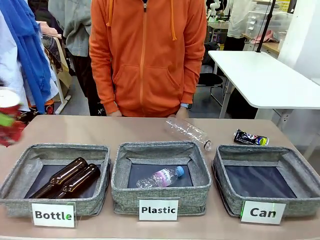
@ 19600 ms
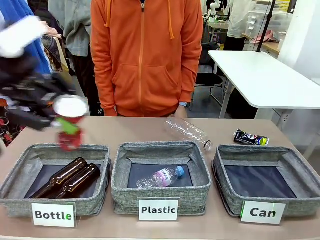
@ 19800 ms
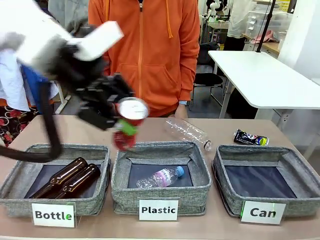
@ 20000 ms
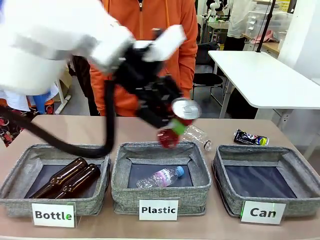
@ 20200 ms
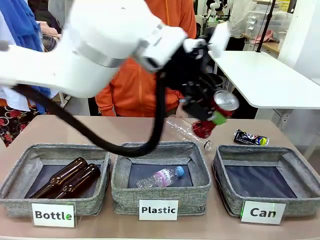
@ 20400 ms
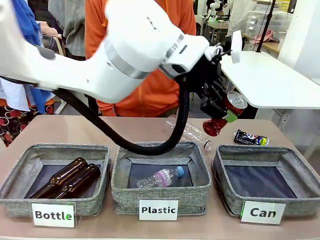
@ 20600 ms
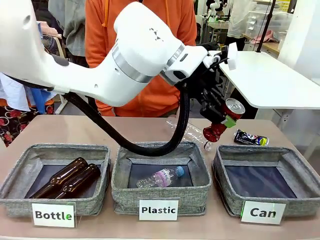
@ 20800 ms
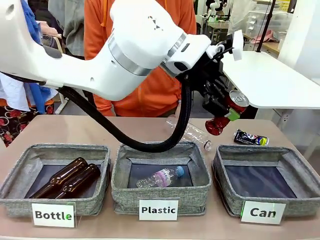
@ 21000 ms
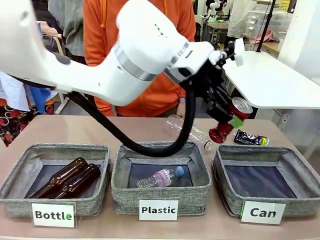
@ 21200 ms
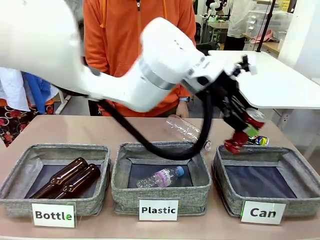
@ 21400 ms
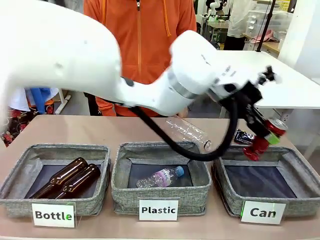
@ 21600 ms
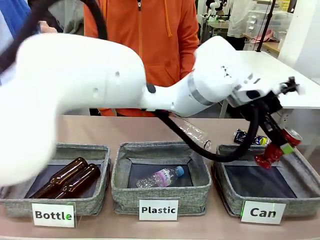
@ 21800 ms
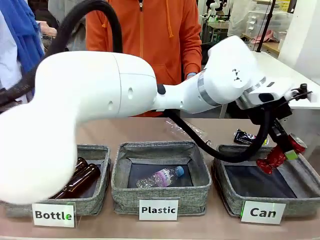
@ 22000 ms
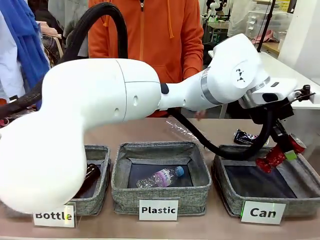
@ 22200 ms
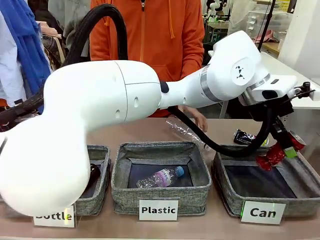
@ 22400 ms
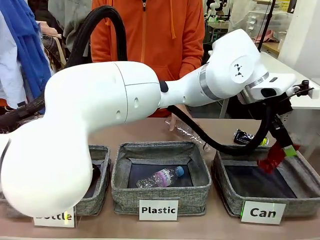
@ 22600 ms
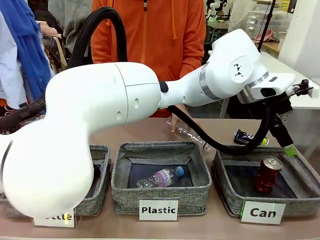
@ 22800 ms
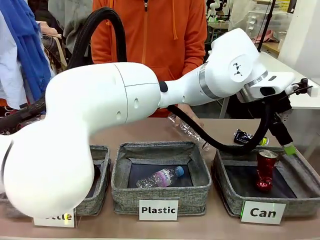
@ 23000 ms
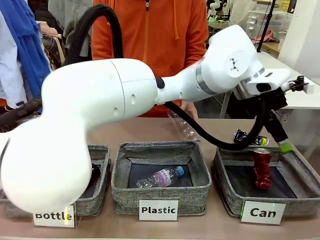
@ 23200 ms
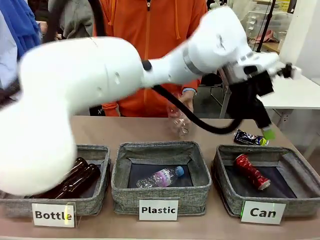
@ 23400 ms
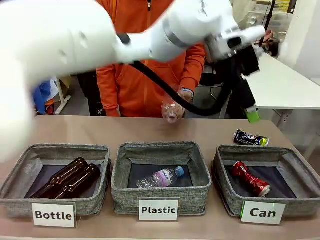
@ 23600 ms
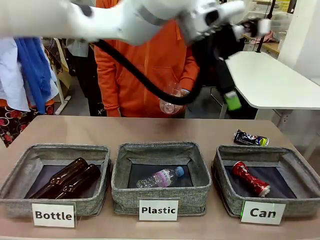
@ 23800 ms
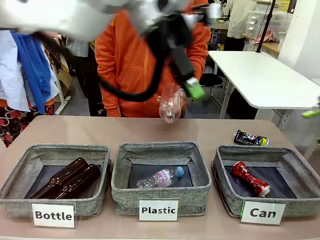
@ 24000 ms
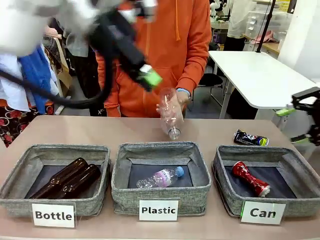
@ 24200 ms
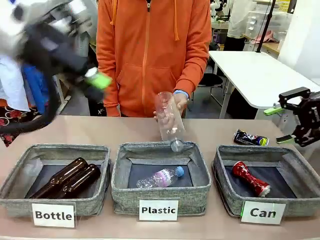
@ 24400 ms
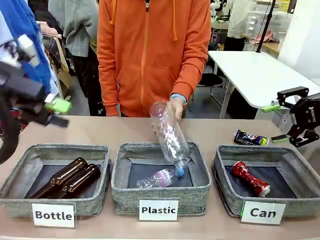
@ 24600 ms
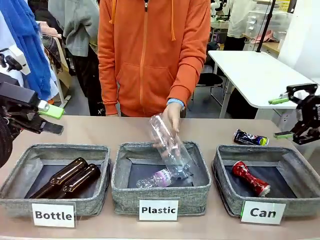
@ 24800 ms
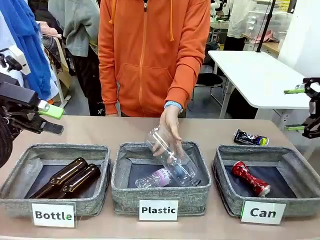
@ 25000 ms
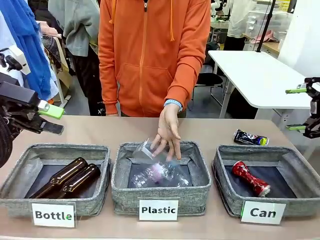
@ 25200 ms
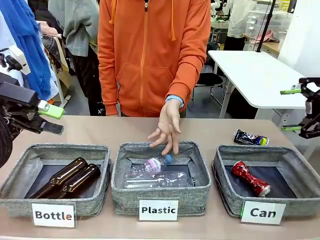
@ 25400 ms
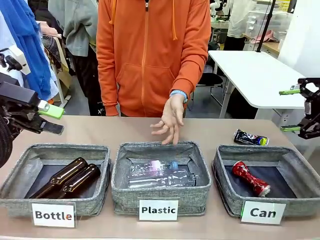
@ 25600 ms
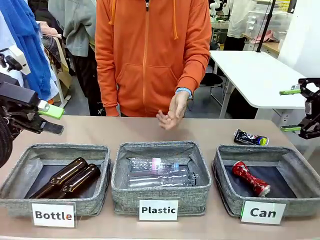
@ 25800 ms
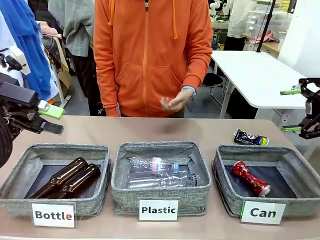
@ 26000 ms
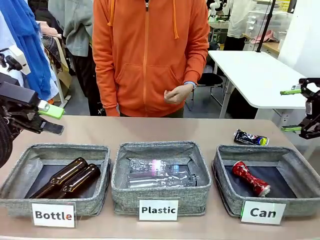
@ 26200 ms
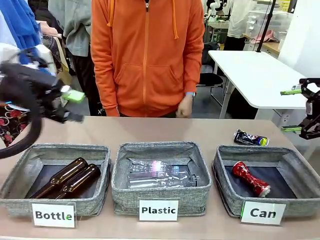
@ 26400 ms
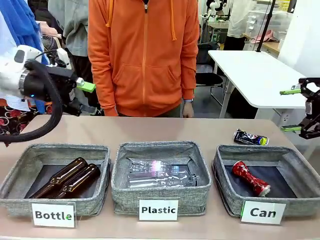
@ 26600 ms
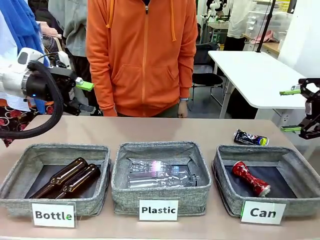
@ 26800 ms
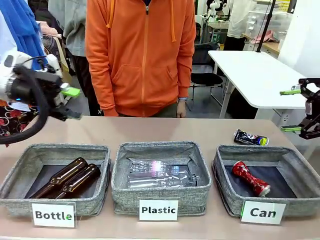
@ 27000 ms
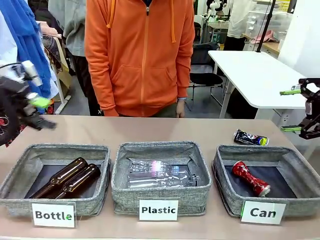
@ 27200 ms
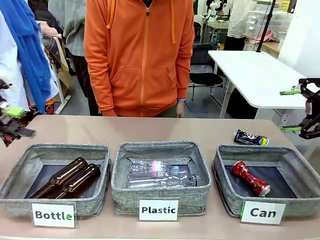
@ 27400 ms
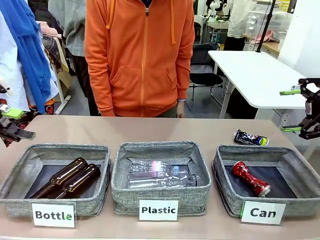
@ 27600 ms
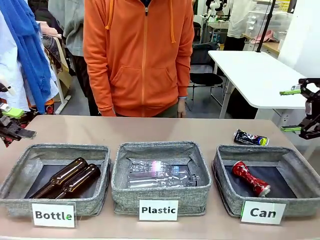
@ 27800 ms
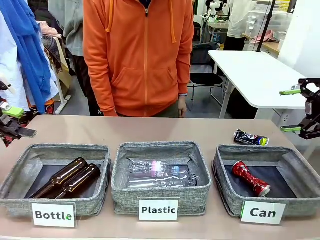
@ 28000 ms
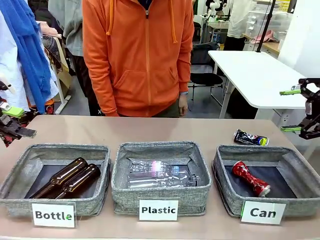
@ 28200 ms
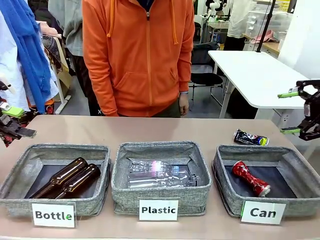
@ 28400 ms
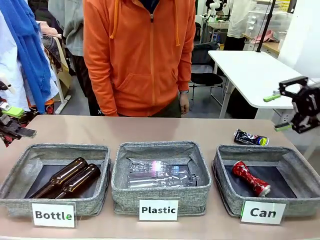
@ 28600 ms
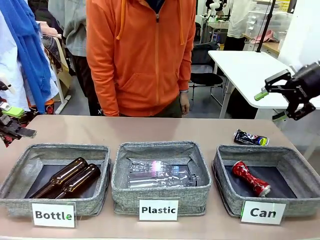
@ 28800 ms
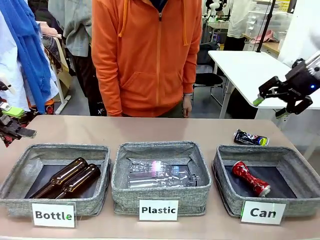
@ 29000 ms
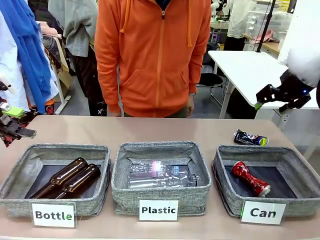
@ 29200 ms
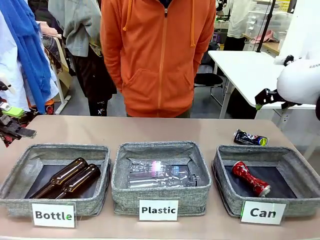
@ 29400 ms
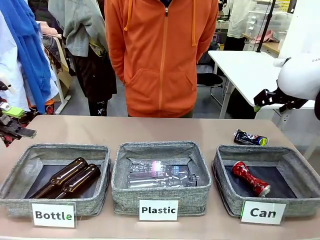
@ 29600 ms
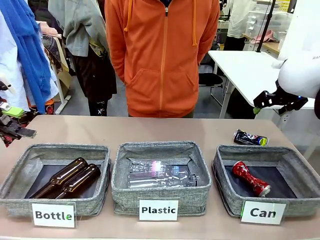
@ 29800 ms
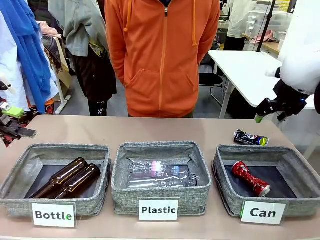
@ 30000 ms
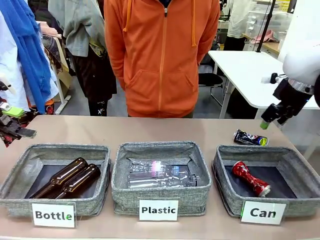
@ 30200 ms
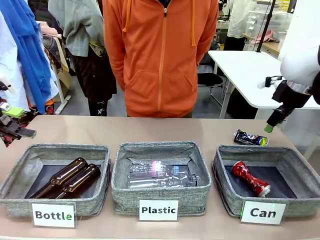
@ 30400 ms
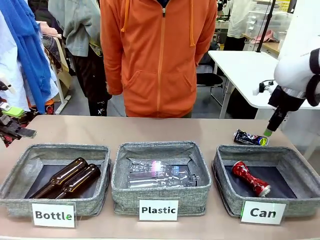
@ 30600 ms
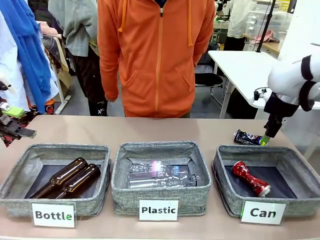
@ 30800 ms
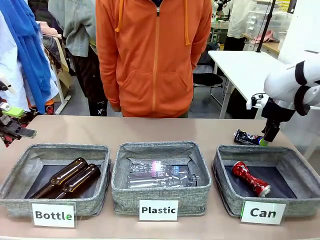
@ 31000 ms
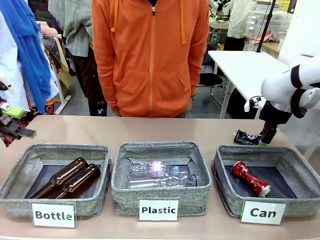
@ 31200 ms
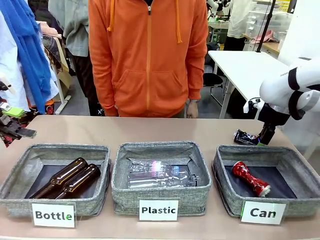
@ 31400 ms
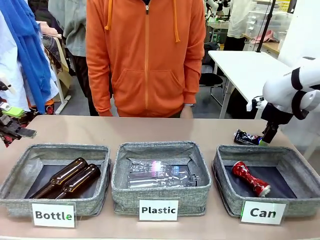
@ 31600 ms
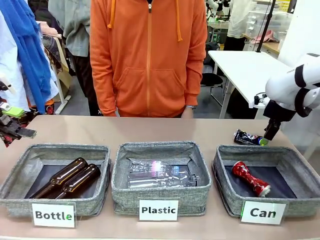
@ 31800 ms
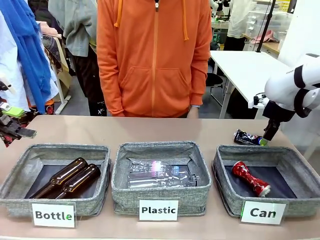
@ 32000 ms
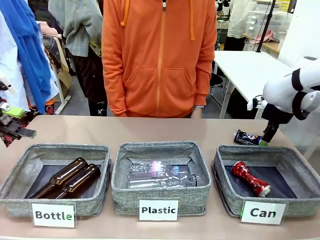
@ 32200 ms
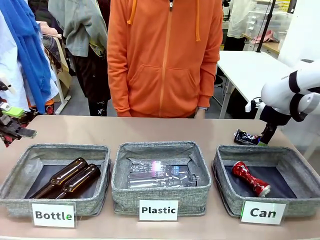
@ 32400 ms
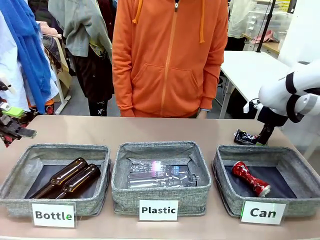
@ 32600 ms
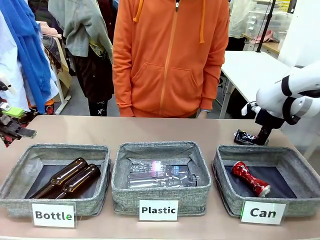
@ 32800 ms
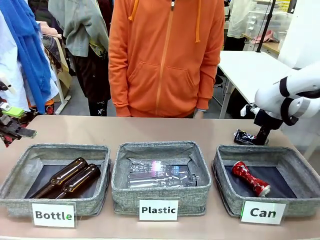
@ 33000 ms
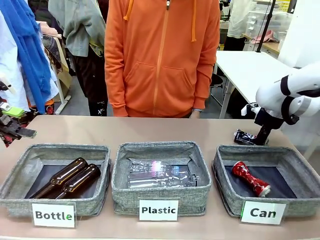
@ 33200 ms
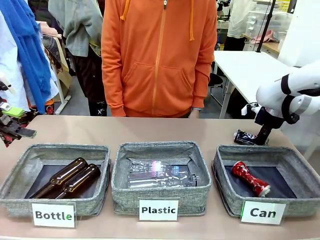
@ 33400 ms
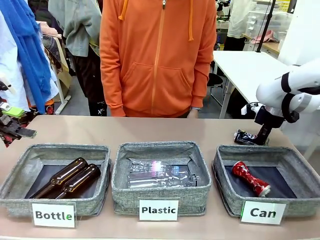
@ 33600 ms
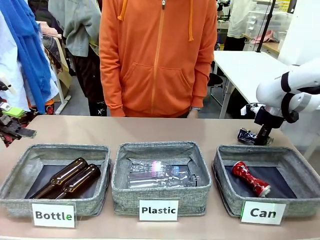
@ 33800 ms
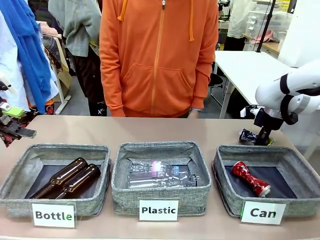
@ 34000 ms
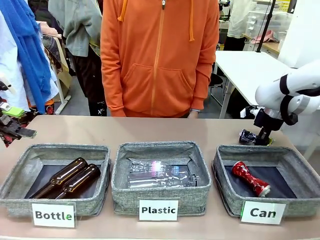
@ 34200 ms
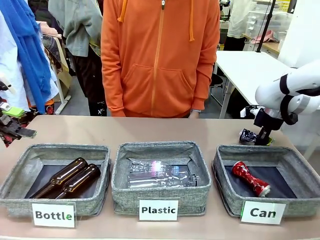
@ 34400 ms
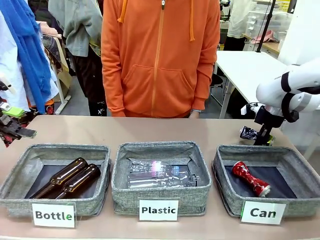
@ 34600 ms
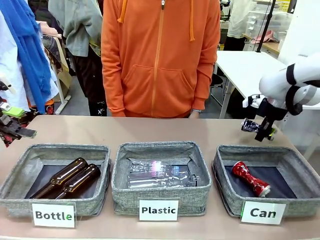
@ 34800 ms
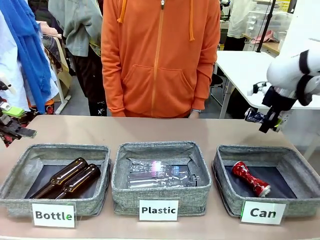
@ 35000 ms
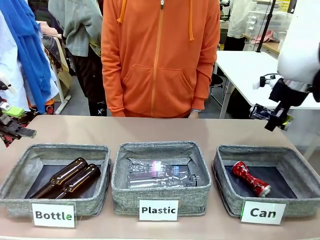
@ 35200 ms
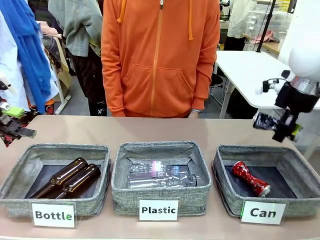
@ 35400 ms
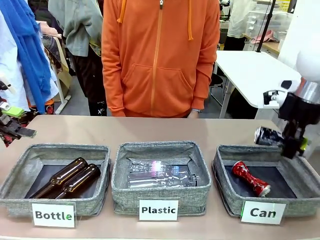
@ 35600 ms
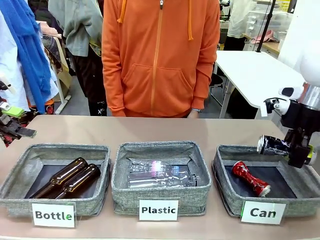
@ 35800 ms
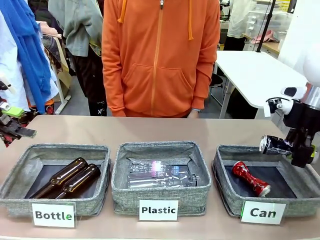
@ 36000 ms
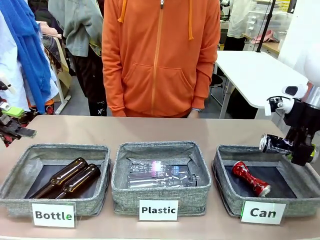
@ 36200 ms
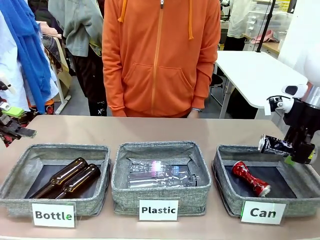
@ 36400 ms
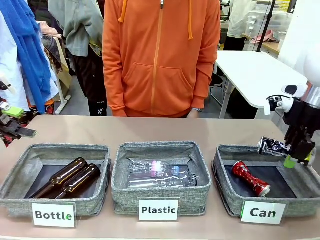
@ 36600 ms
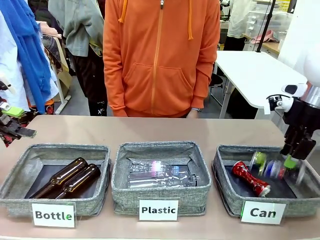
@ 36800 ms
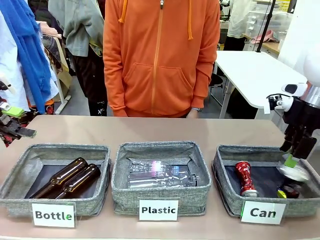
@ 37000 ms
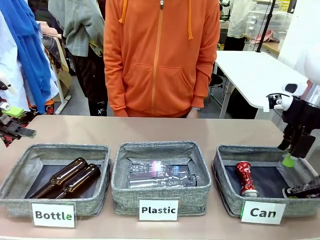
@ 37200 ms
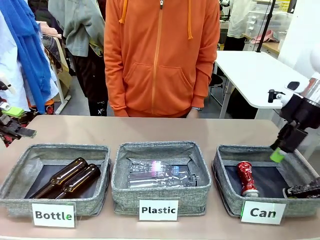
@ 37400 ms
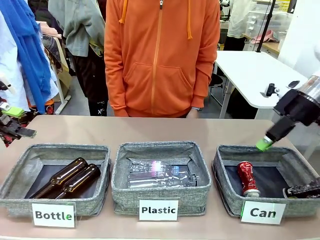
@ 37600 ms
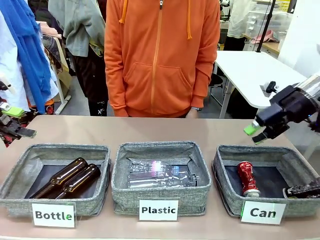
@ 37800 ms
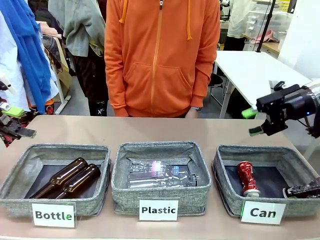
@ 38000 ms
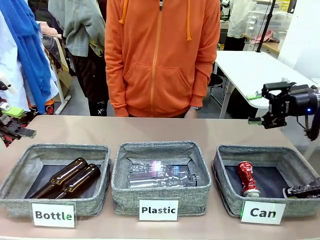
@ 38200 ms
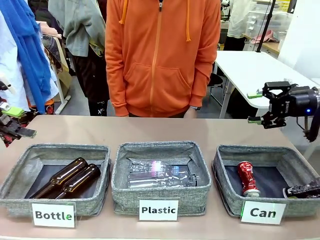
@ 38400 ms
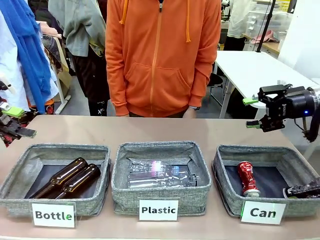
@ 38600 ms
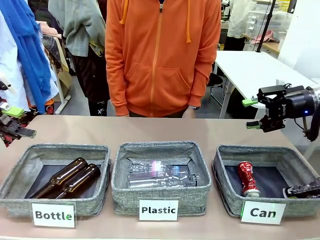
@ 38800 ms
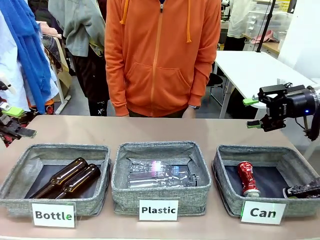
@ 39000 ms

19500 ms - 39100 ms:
Task: Sort the can waste into the basket.
Robot: Pick up the can waste from the table and place it in the right Fabric basket.
Person: The human picks up one piece of trash that is not a can and places the trash into the appropriate organizing basket.
